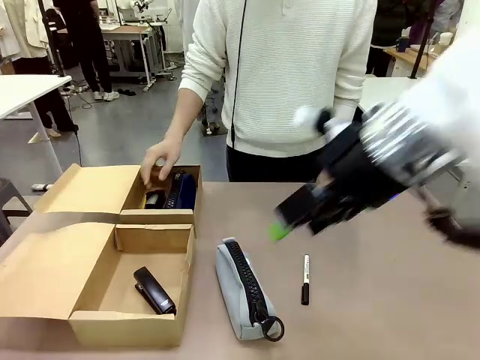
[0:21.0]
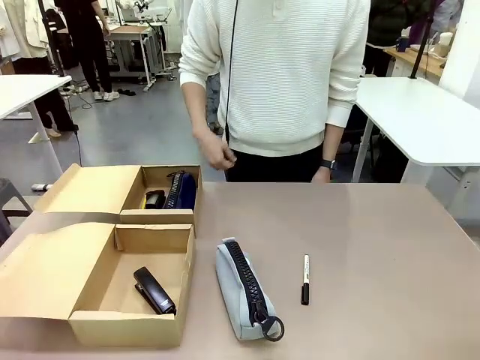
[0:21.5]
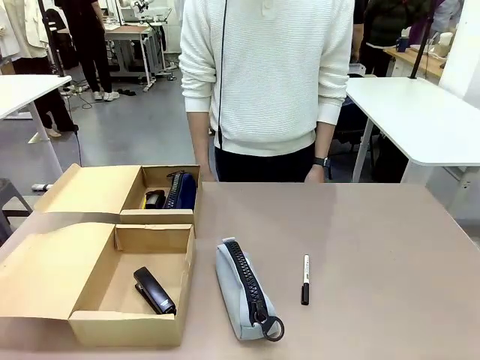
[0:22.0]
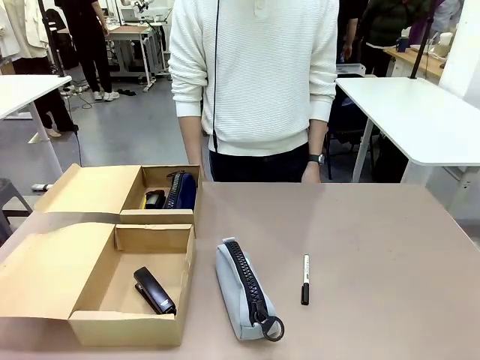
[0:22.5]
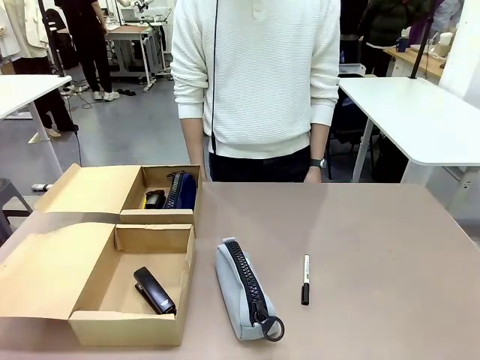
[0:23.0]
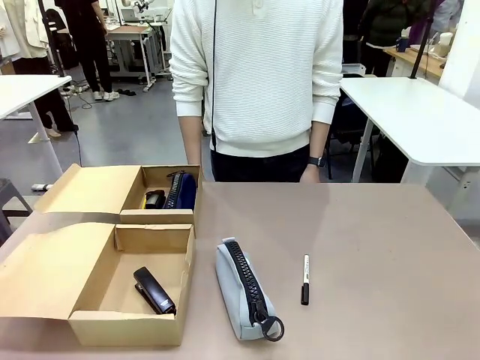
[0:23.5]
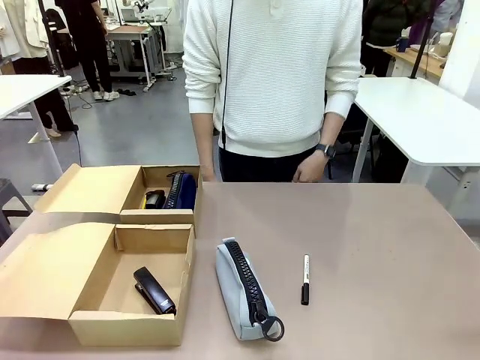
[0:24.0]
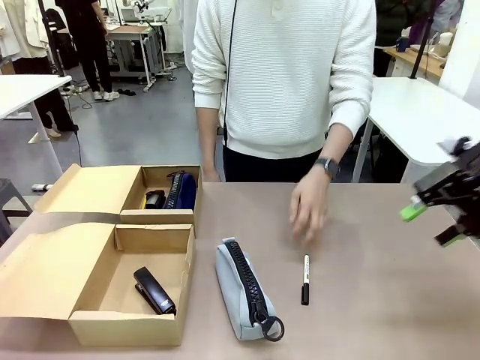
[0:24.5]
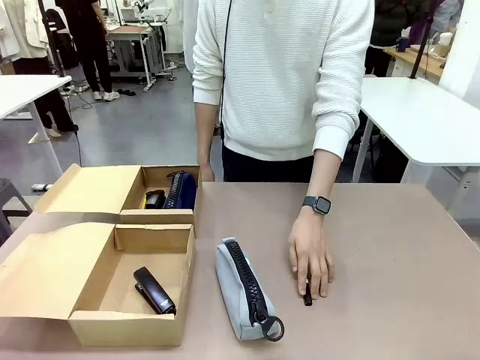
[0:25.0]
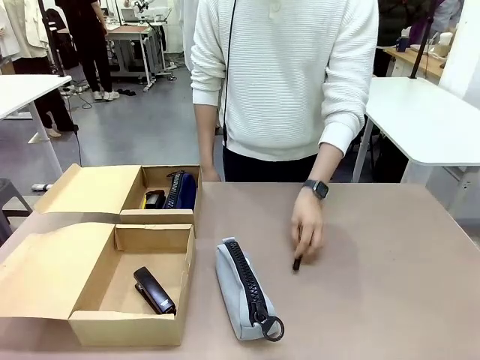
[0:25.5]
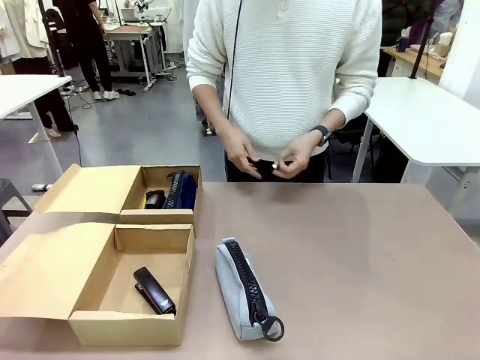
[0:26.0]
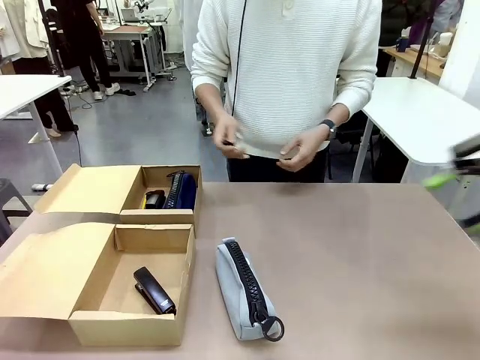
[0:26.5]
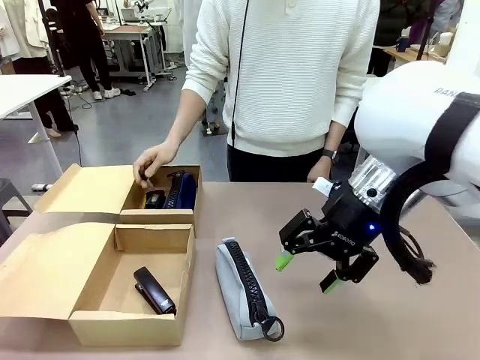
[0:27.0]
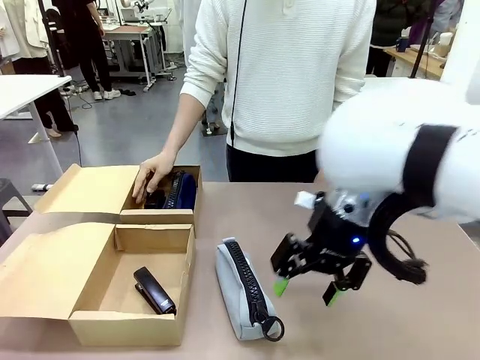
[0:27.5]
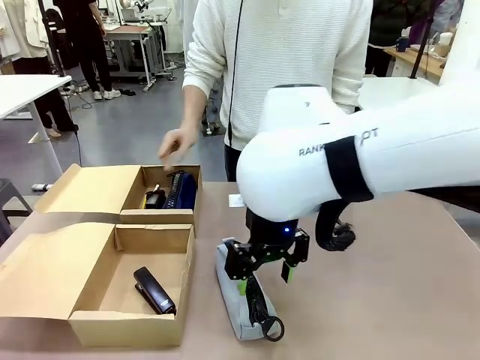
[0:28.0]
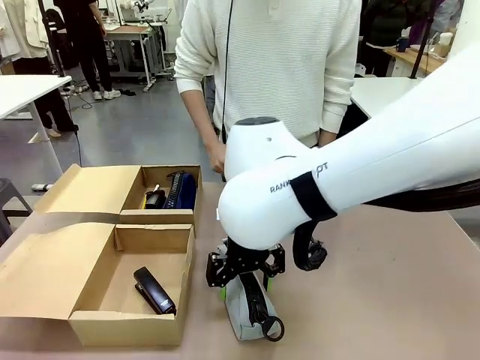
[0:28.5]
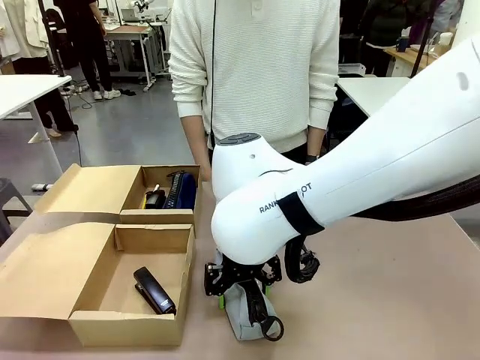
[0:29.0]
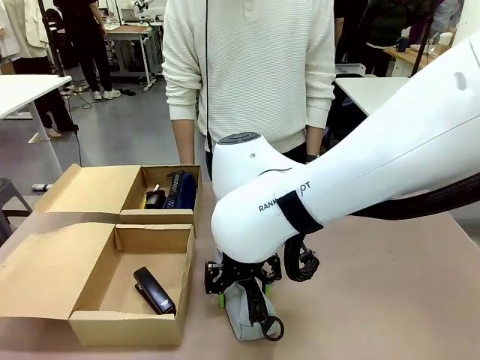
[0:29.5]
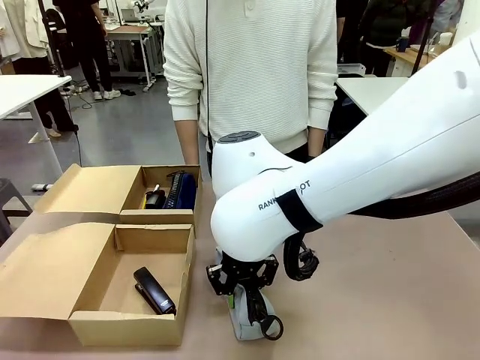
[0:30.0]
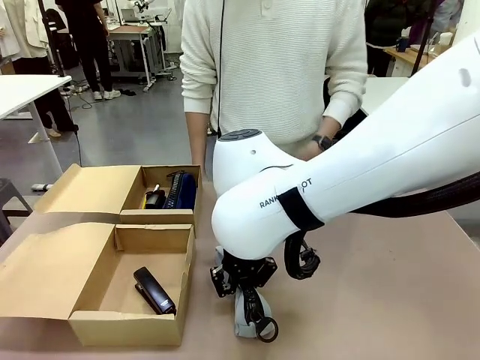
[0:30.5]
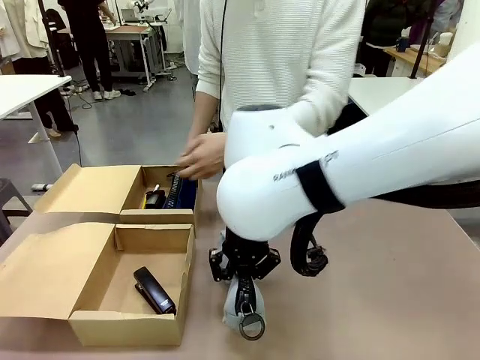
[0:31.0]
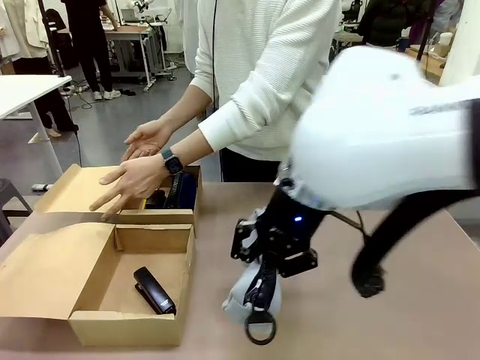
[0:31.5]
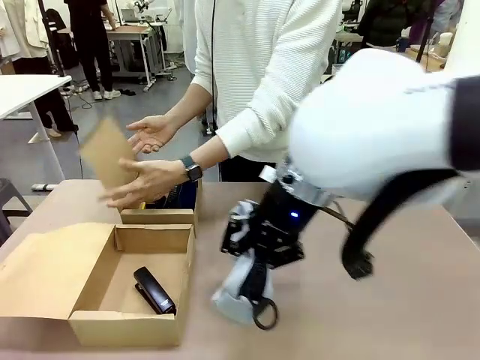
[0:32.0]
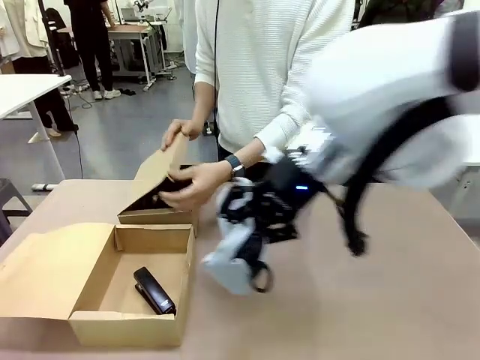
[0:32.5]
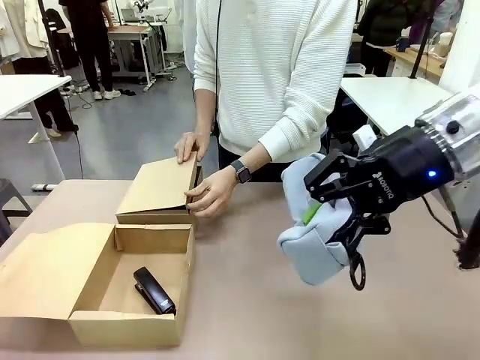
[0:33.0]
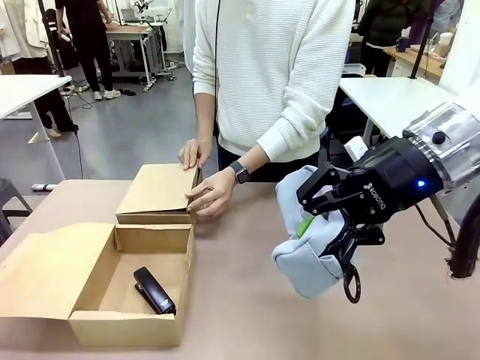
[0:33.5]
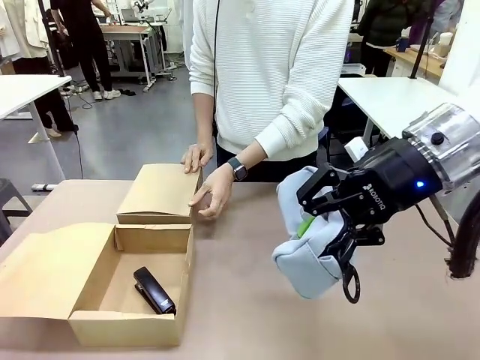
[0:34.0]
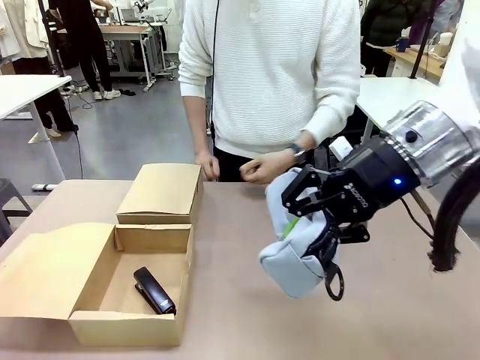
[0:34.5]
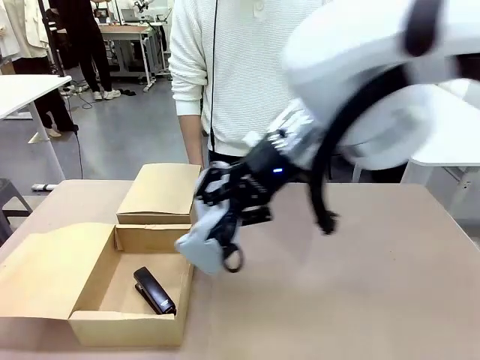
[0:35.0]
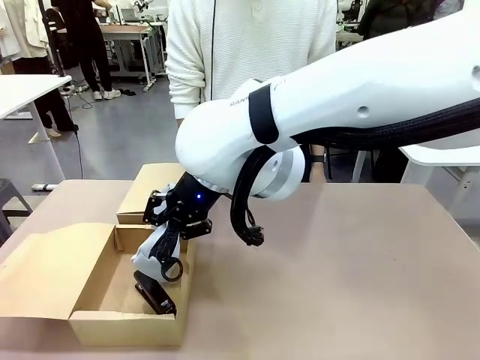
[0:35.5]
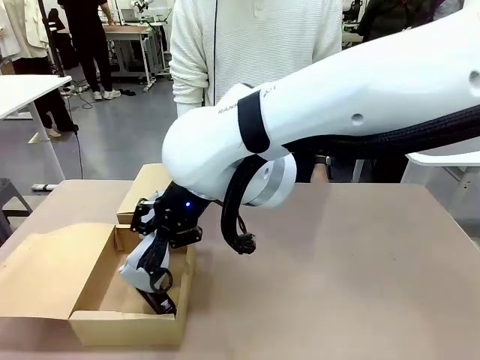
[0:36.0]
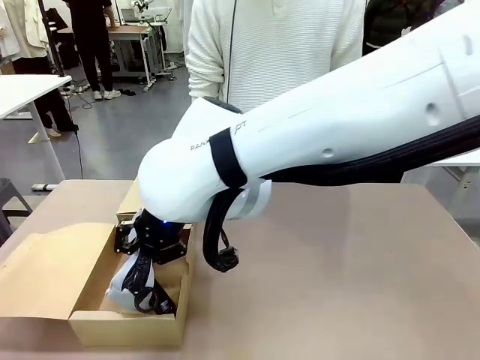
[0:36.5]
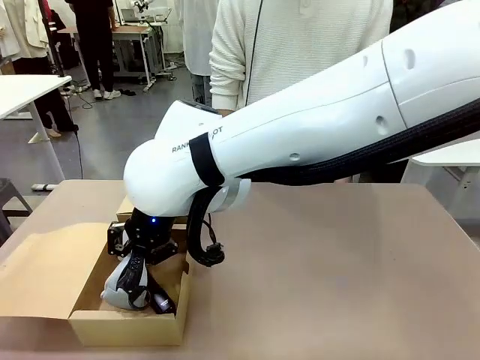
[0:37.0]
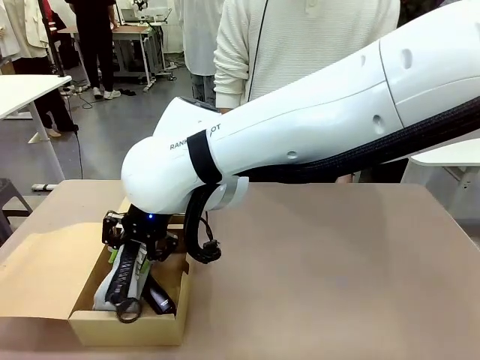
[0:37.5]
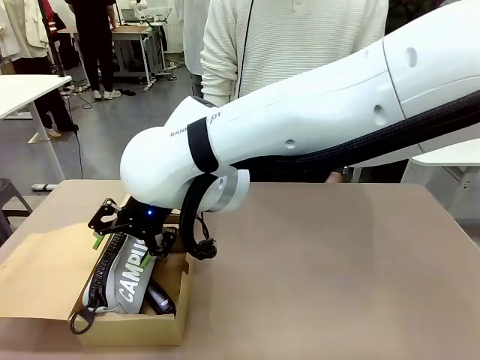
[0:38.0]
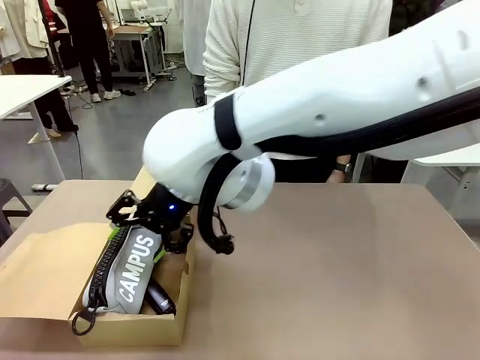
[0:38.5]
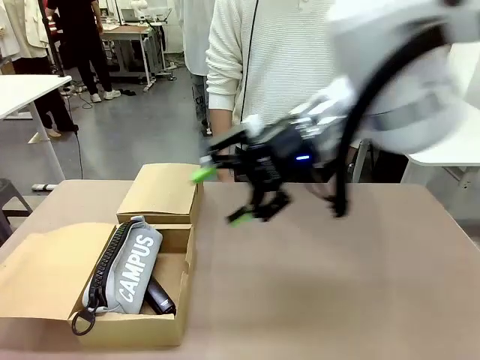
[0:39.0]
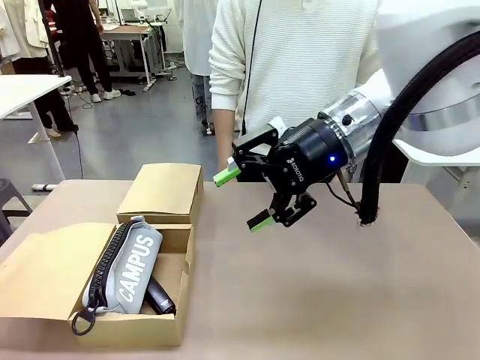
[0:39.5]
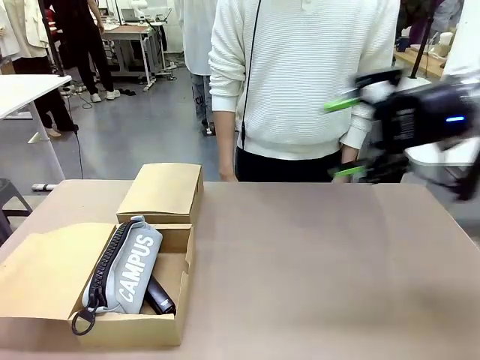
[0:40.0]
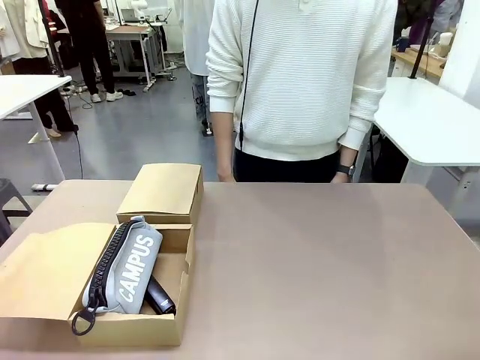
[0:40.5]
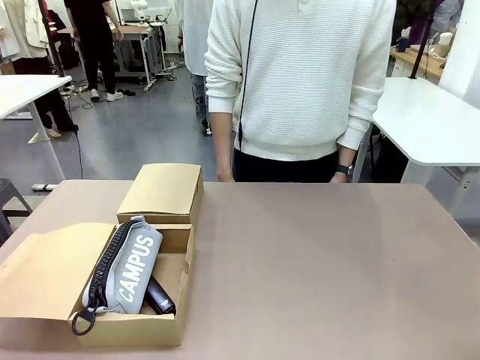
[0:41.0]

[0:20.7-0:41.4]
Task: Place items inside the box.
Robot: Pick up a Pencil pouch or Stapler and place it inside the Mailer Box closest to the robot.
